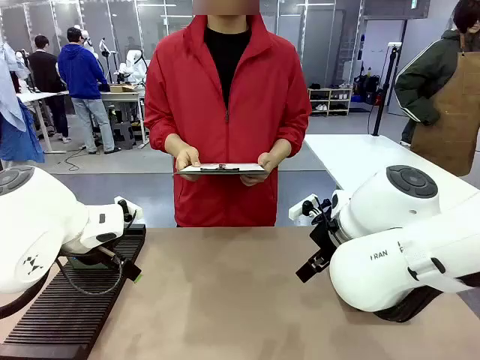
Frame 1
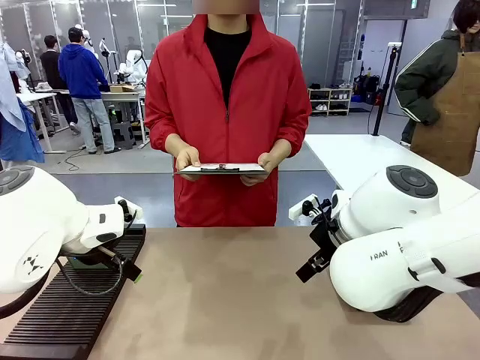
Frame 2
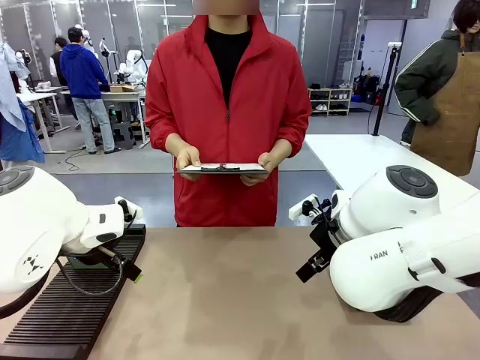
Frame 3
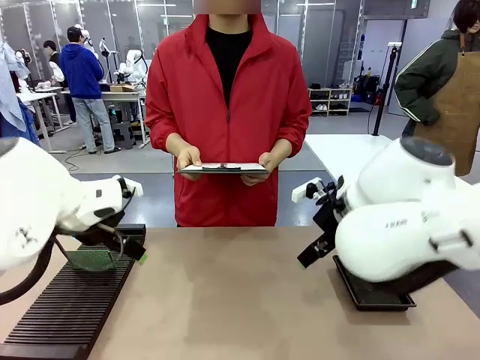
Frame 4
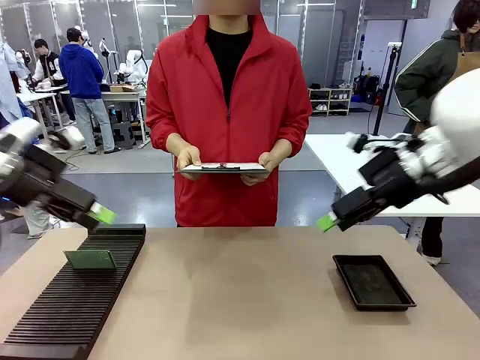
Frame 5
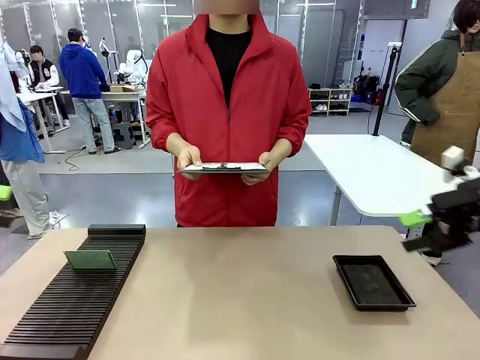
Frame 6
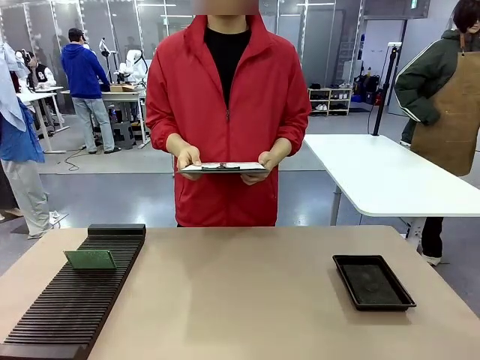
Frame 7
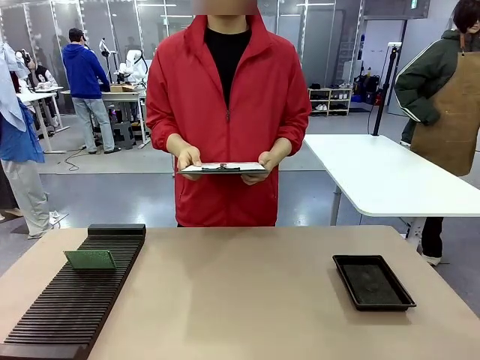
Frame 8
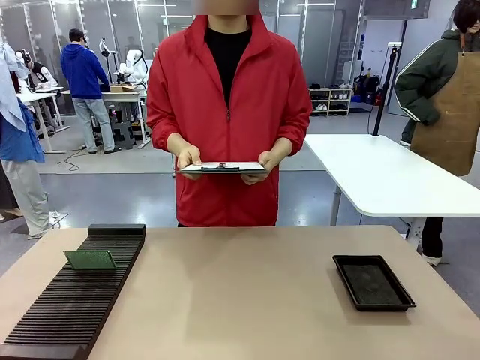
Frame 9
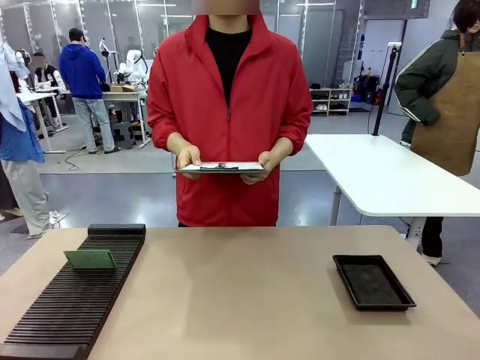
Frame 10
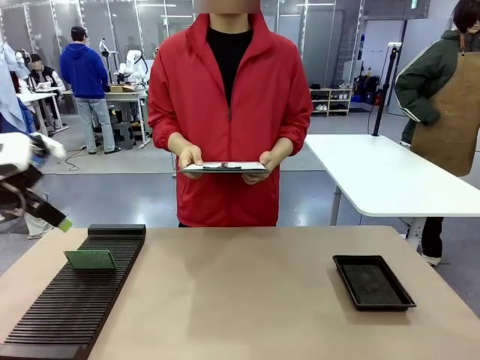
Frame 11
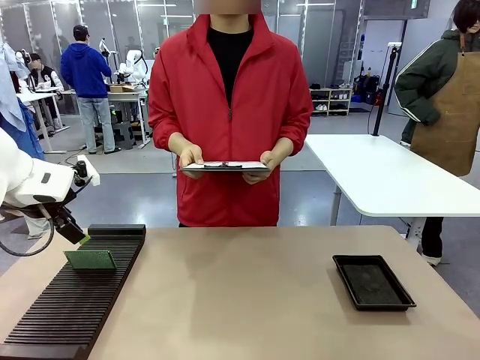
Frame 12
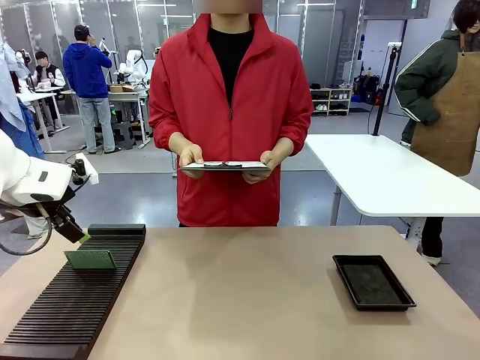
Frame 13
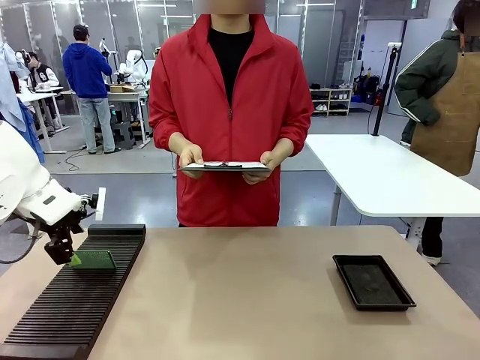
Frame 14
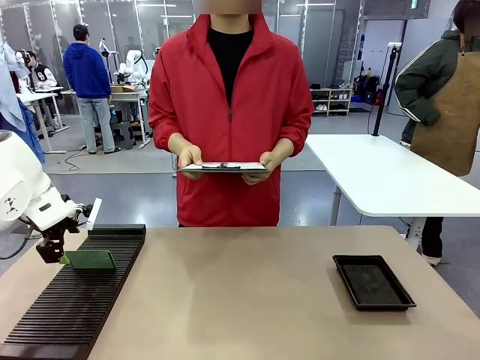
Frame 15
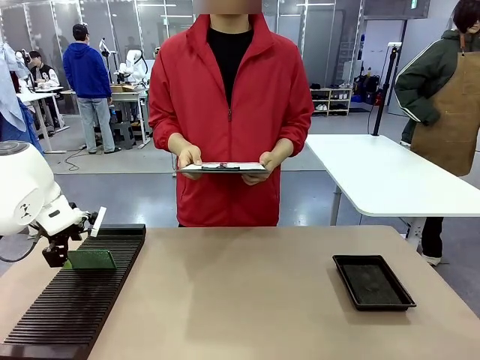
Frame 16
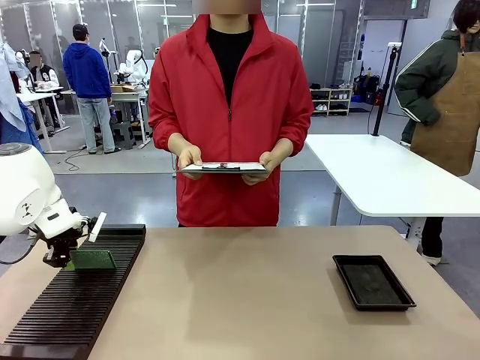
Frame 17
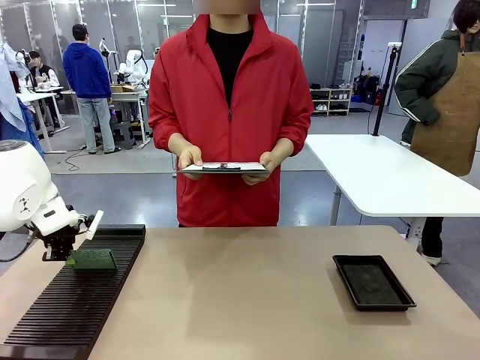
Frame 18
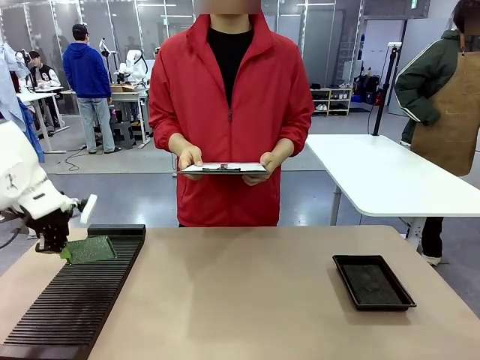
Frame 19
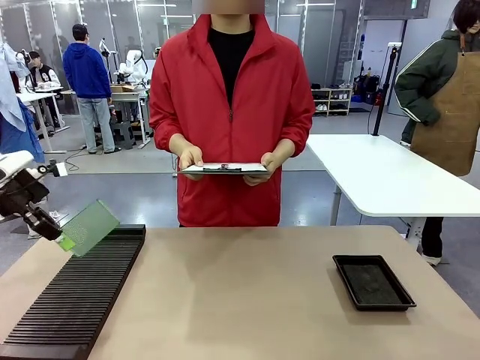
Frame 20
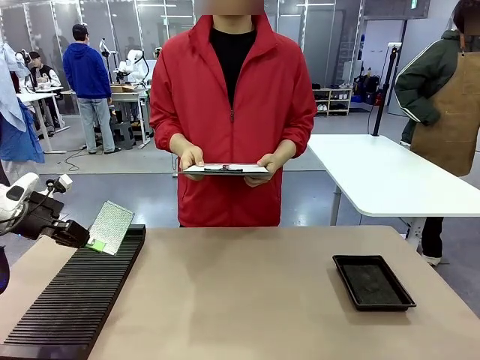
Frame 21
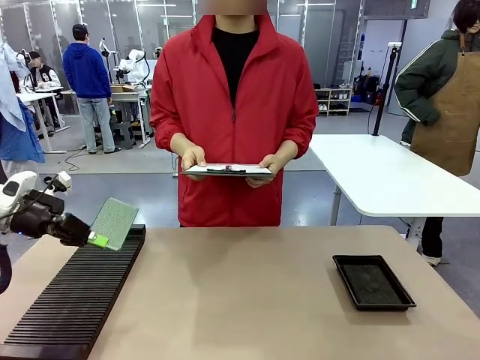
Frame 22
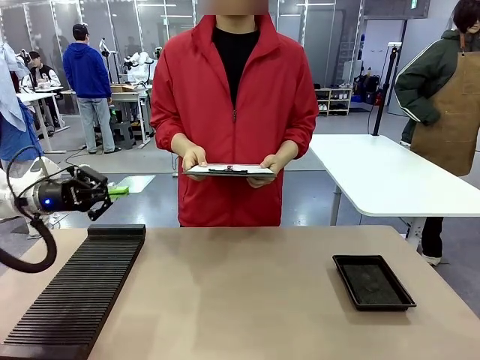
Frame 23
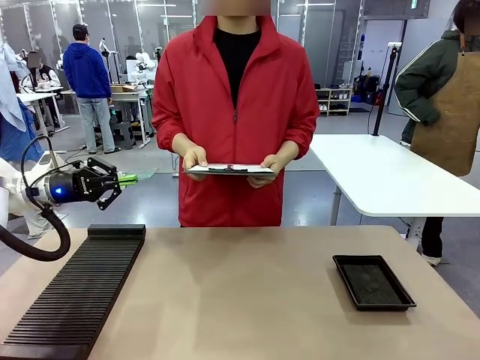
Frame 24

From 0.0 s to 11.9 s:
Task: Inspect the PCB.
Robot: Pick up the Blank PCB and present it to the human.
Person: Pick up the PCB presented by the robot.

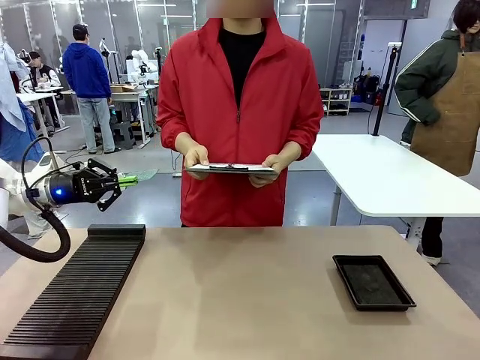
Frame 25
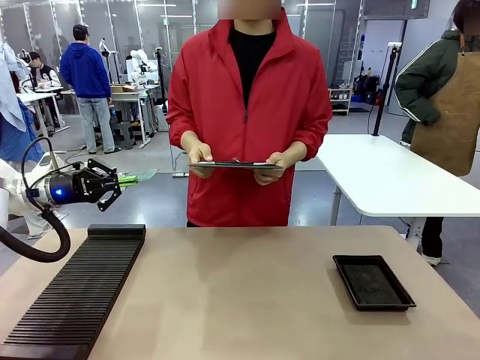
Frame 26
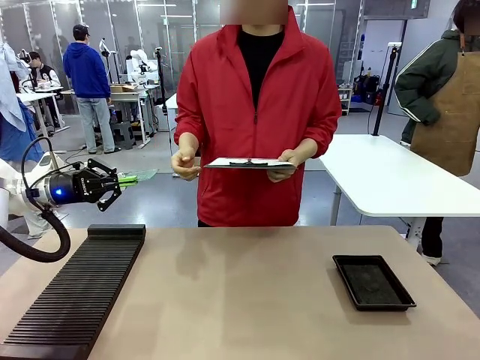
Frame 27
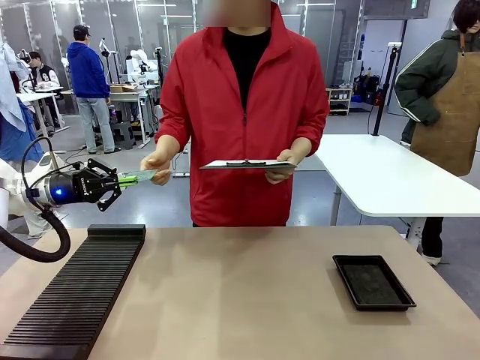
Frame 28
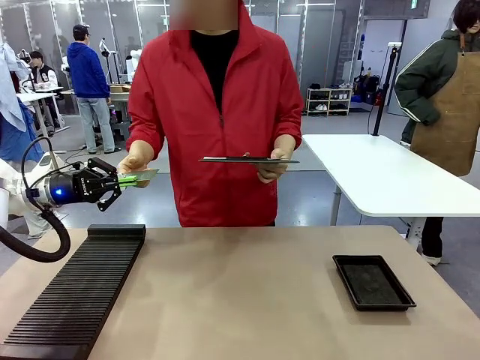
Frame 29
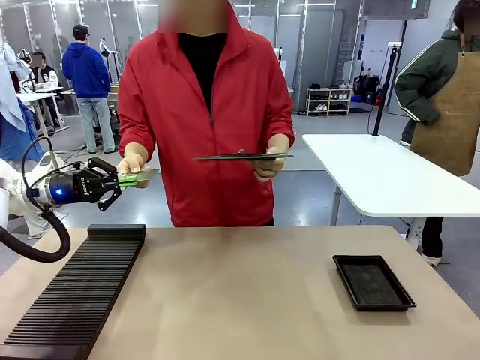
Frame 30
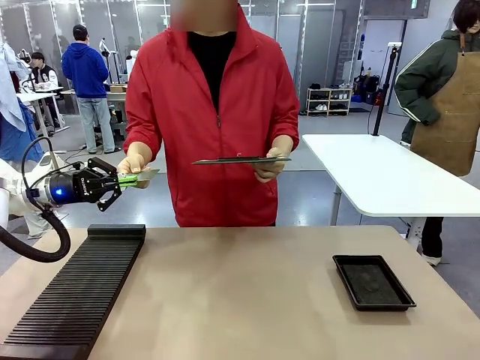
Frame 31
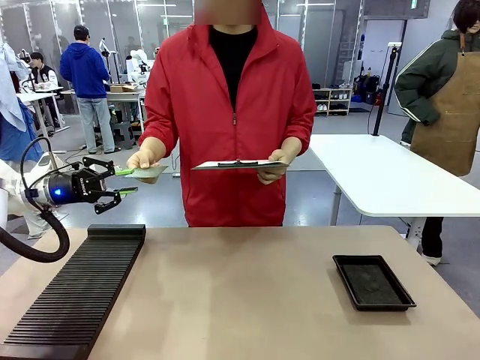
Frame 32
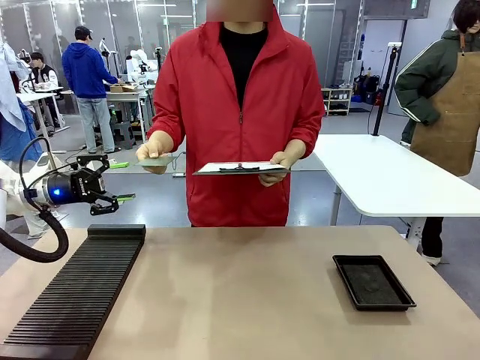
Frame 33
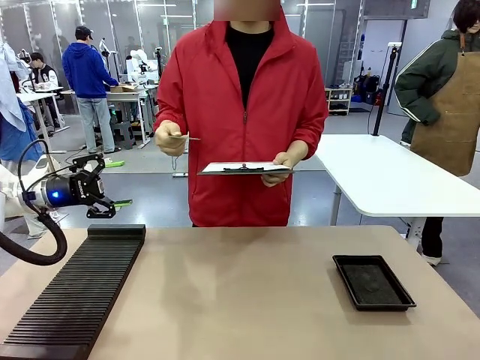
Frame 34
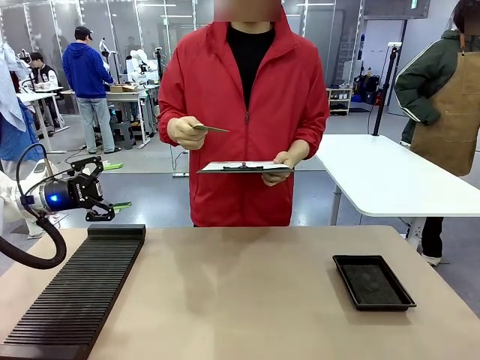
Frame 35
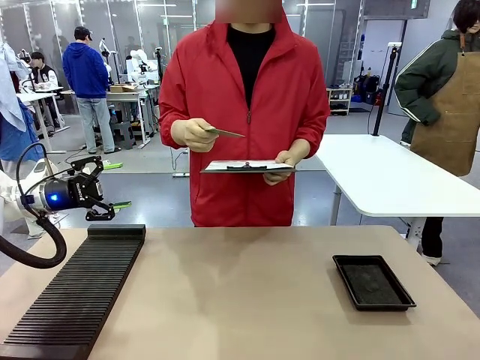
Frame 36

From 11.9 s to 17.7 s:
Robot: Release the Blank PCB you were holding.

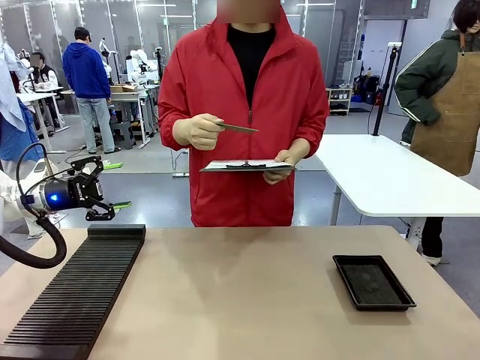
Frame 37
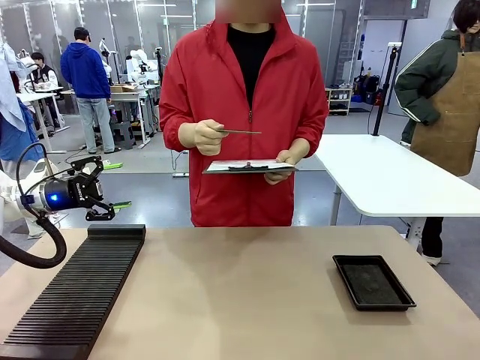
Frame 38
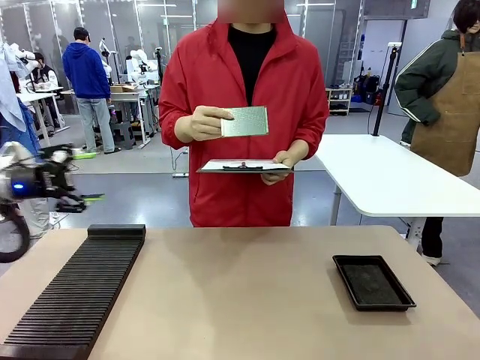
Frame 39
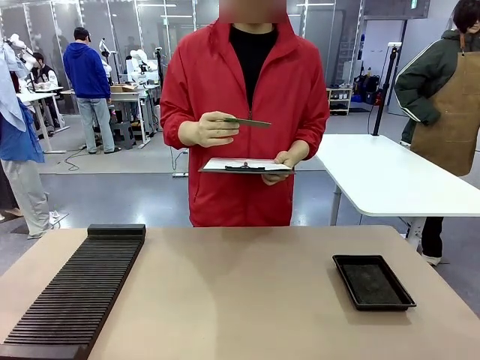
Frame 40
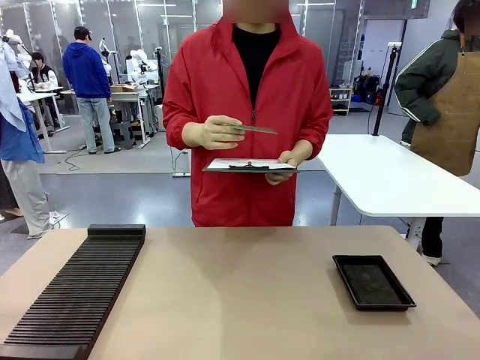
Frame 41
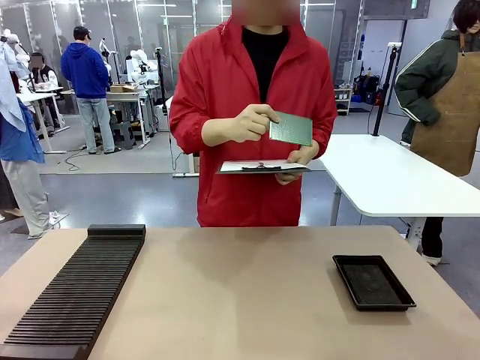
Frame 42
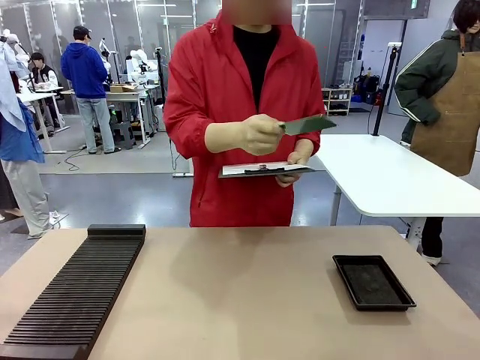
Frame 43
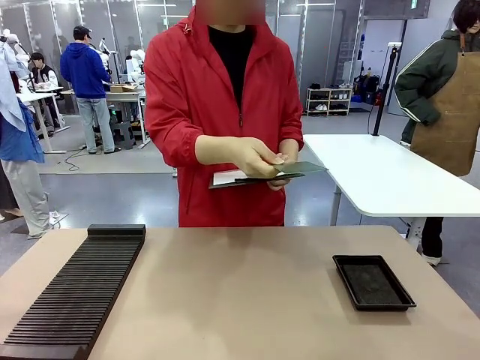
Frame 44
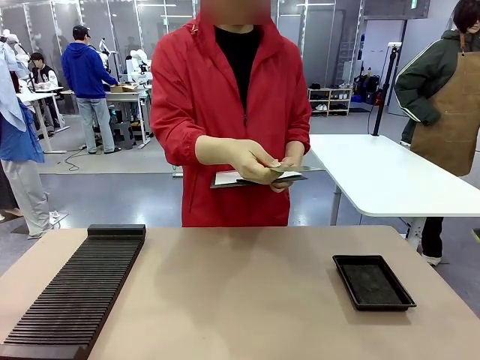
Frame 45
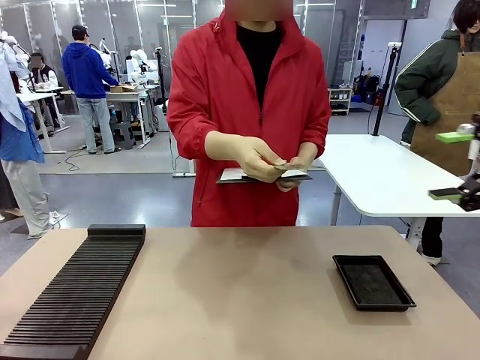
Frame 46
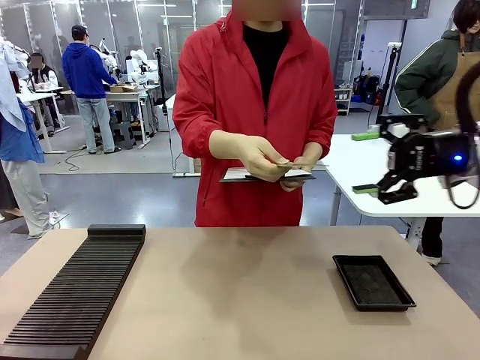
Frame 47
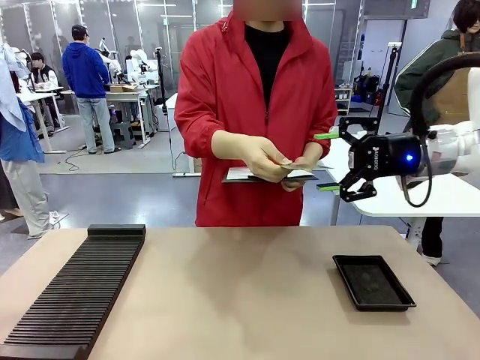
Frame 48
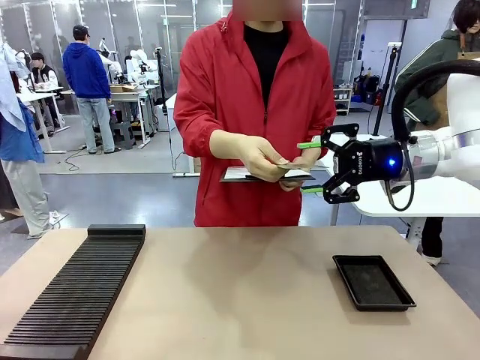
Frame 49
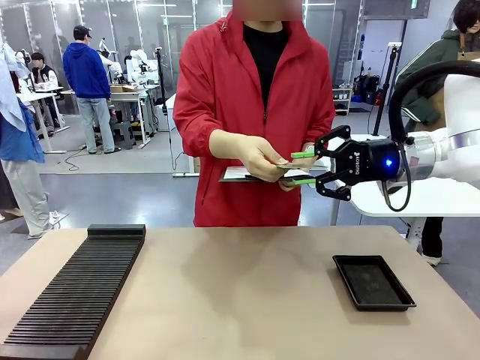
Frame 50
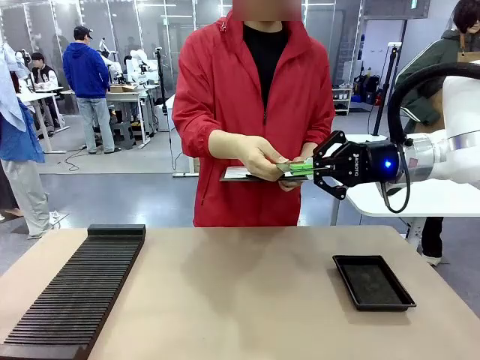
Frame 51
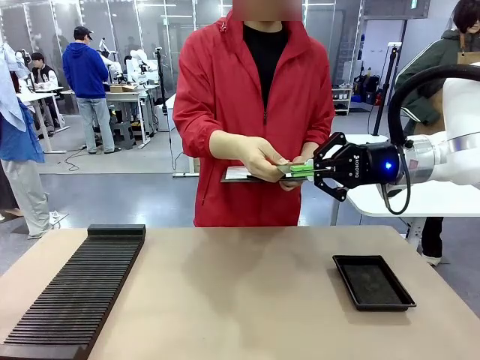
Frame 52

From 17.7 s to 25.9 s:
Robot: Pick up the Blank PCB that the human is holding.
Person: Inspect the PCB placed by the robot, then hold it out in front of the robot. Release the PCB you were holding.
